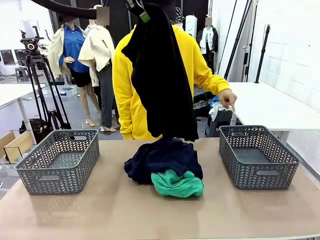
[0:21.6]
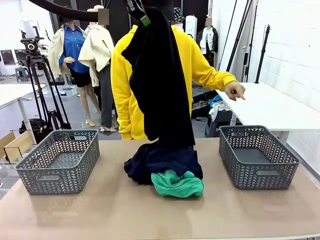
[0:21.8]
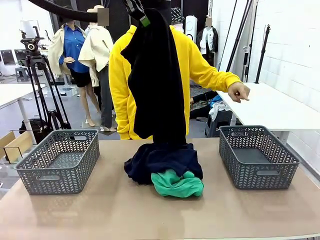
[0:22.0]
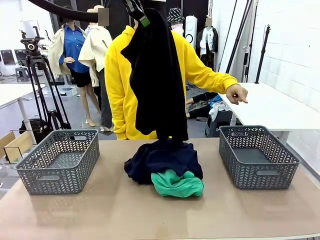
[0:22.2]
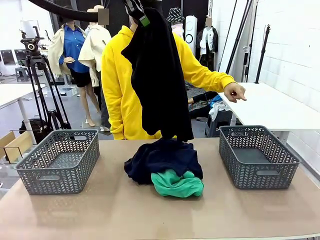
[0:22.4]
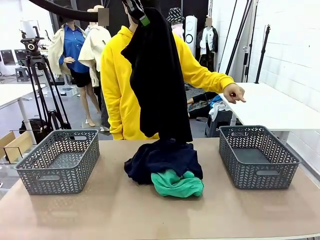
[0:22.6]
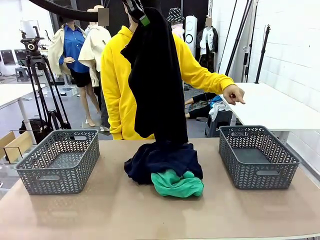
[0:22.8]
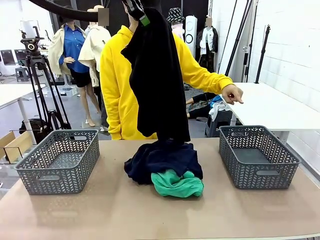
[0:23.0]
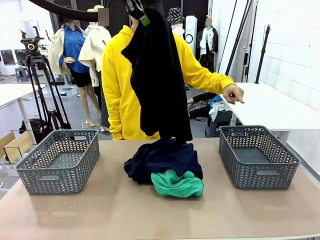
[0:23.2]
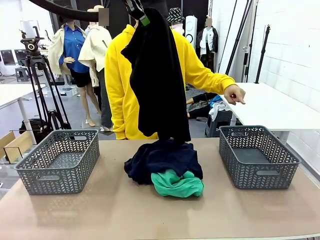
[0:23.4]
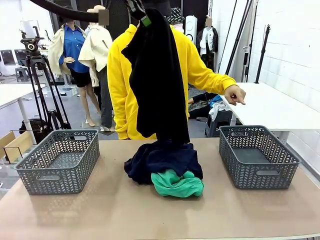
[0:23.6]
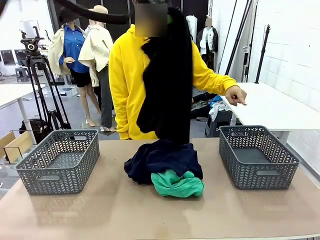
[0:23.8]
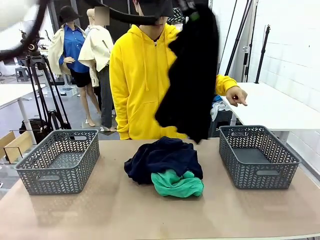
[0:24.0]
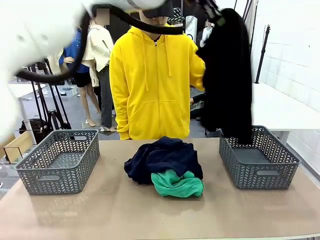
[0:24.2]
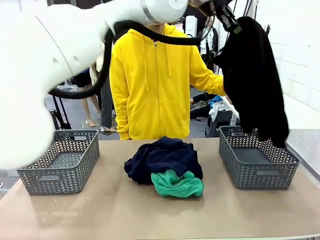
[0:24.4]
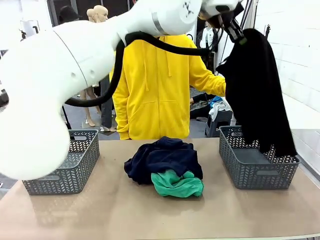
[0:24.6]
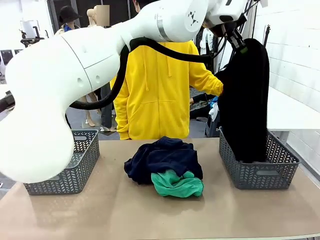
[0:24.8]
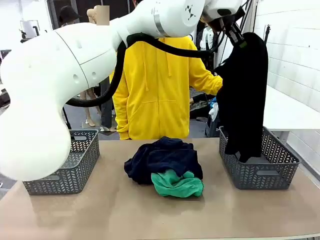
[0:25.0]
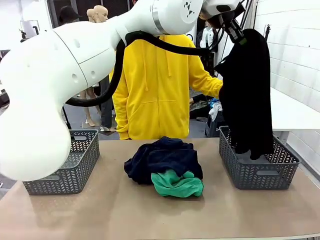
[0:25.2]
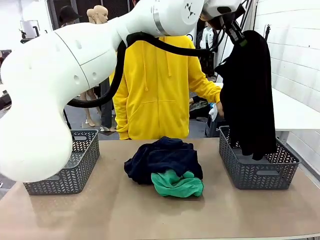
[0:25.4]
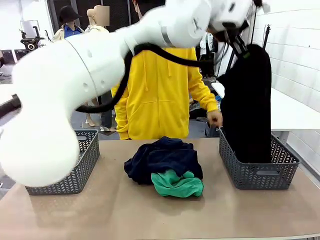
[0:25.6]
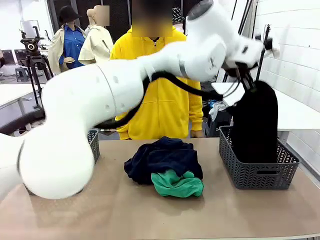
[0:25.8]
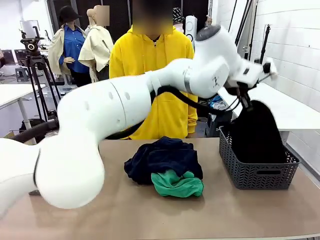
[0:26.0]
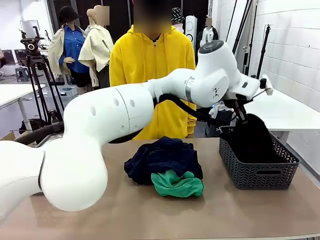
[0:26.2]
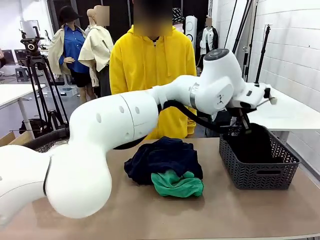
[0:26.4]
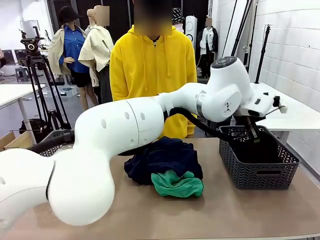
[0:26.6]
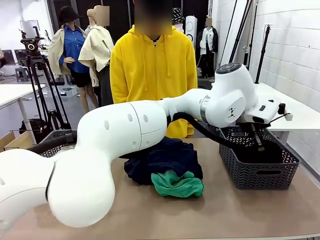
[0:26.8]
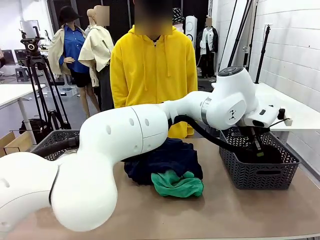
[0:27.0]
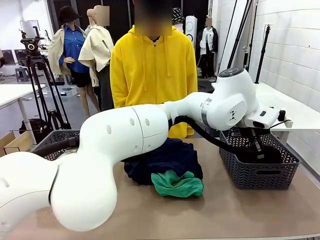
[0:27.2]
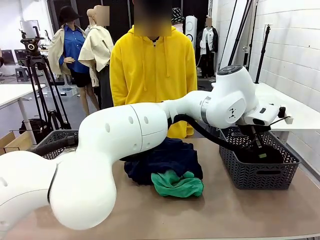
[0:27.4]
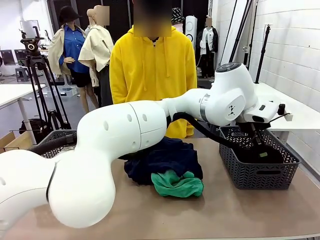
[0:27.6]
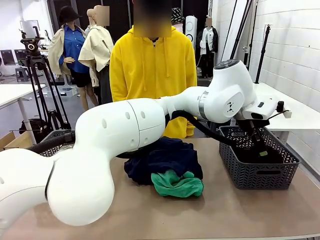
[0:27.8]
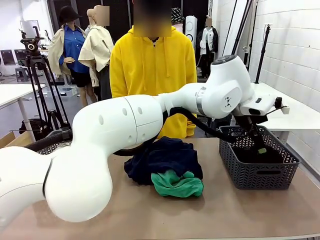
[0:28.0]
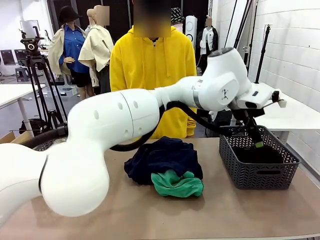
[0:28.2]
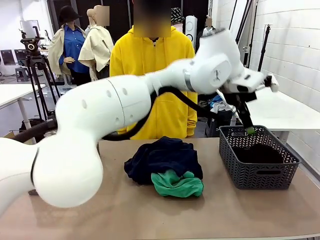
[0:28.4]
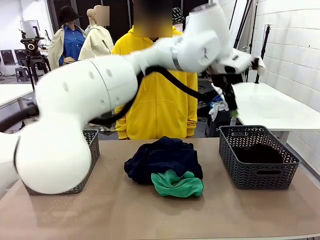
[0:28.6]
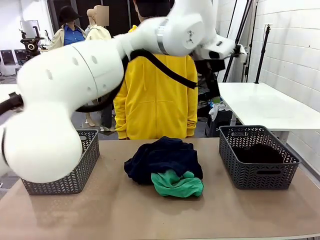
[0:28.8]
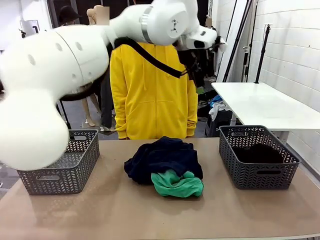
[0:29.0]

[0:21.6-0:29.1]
Task: Sort the tops and bottoms.
Robot: Sort the clothes according to human instructions.

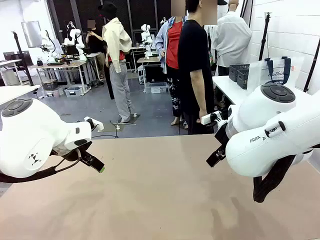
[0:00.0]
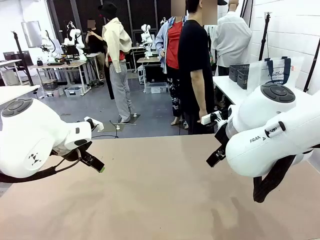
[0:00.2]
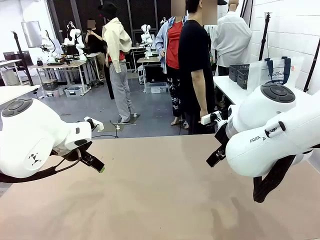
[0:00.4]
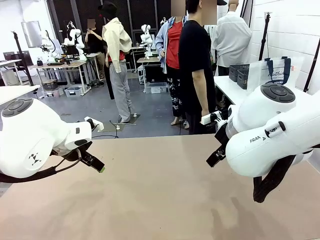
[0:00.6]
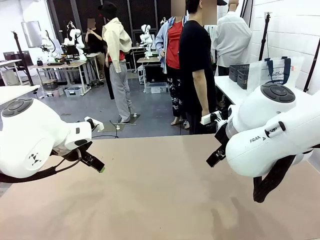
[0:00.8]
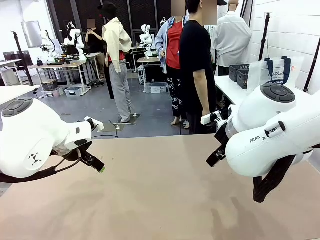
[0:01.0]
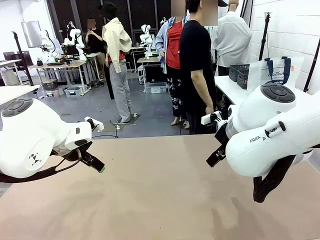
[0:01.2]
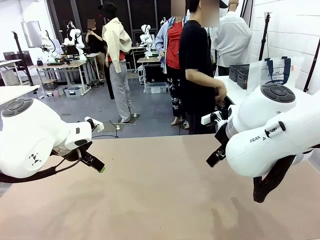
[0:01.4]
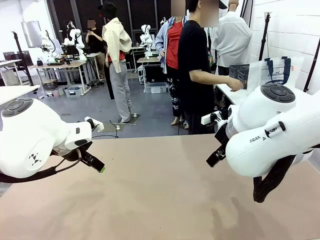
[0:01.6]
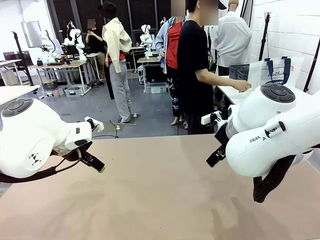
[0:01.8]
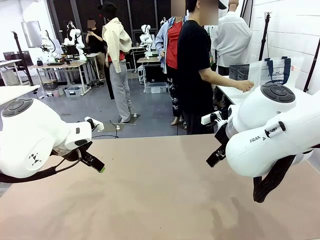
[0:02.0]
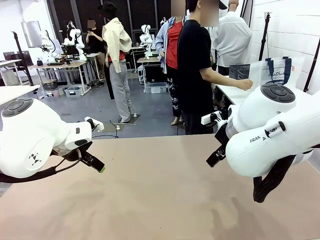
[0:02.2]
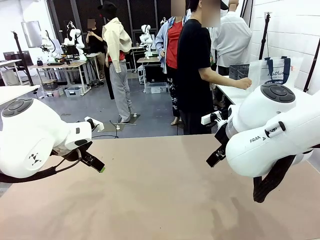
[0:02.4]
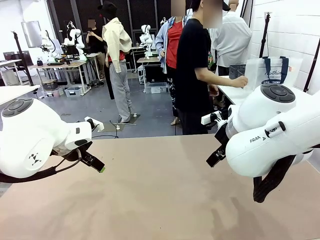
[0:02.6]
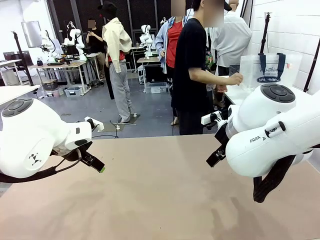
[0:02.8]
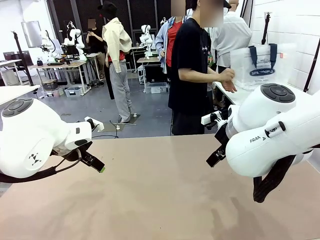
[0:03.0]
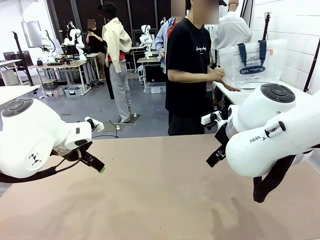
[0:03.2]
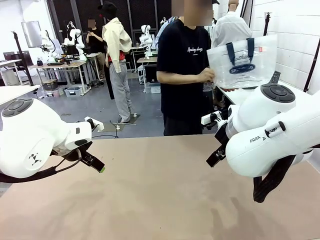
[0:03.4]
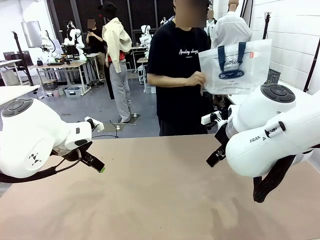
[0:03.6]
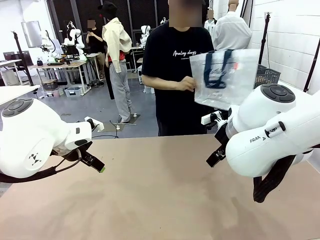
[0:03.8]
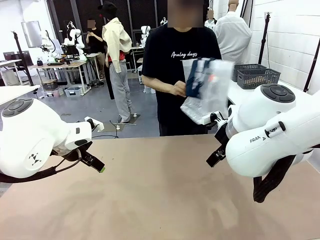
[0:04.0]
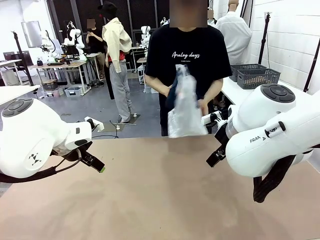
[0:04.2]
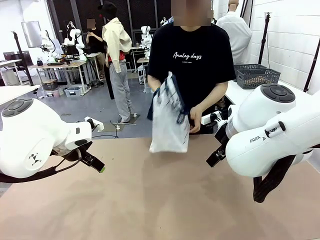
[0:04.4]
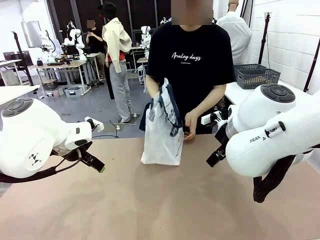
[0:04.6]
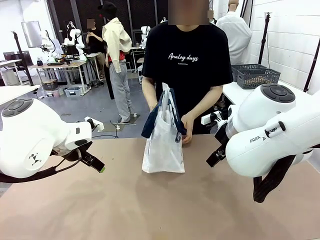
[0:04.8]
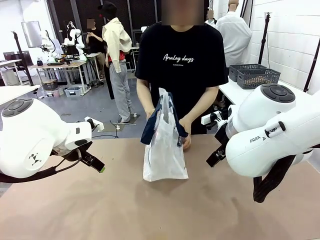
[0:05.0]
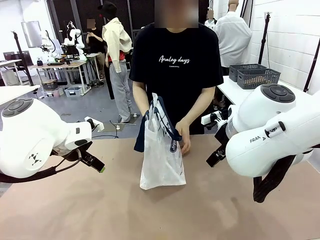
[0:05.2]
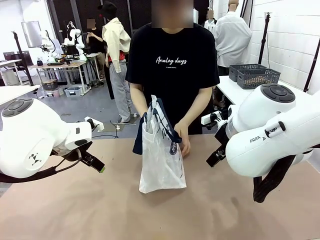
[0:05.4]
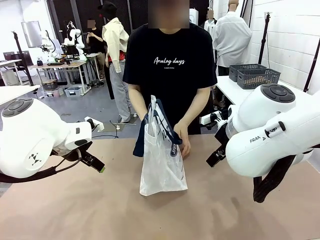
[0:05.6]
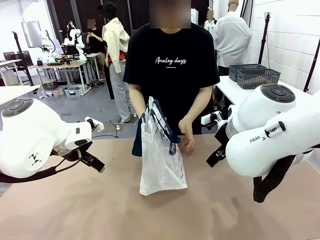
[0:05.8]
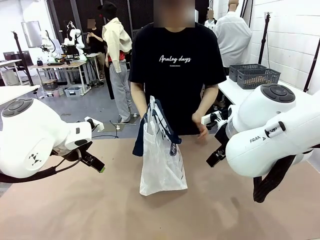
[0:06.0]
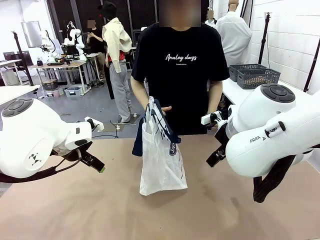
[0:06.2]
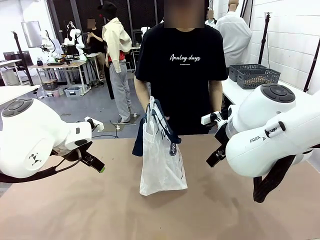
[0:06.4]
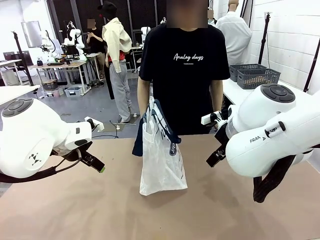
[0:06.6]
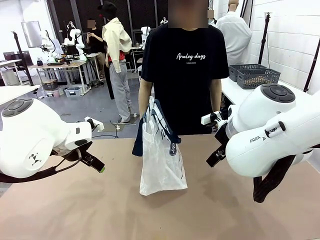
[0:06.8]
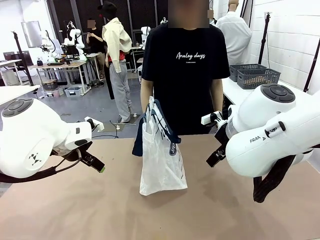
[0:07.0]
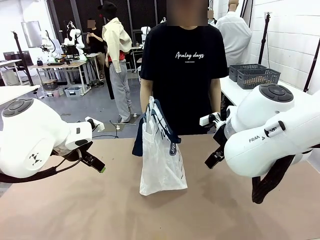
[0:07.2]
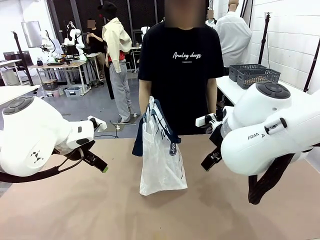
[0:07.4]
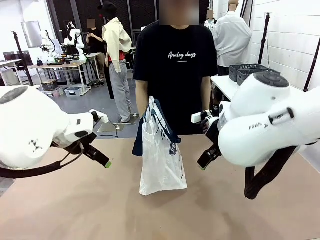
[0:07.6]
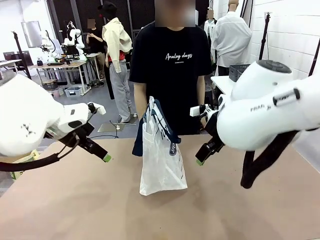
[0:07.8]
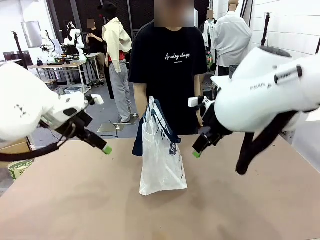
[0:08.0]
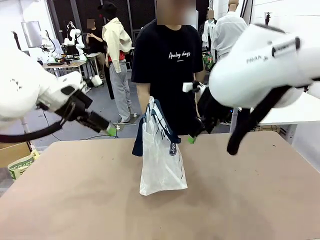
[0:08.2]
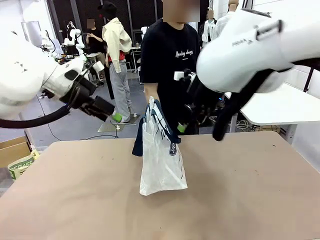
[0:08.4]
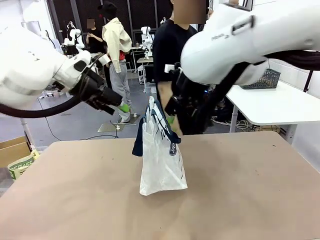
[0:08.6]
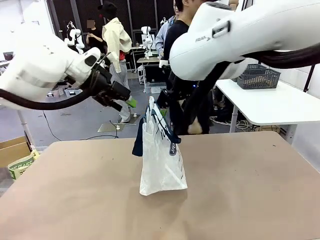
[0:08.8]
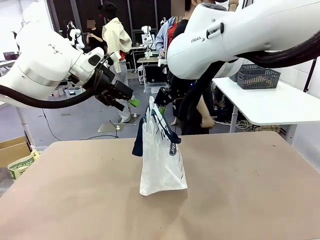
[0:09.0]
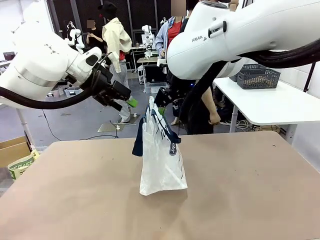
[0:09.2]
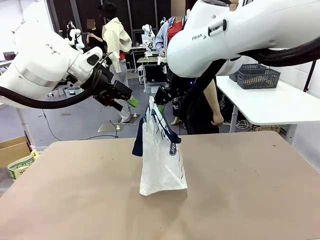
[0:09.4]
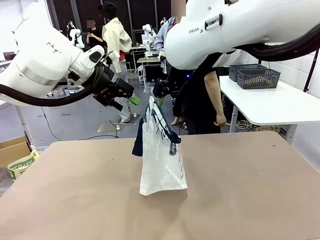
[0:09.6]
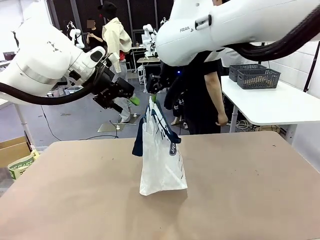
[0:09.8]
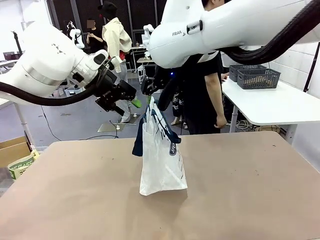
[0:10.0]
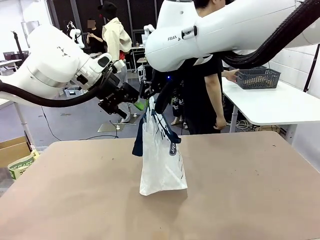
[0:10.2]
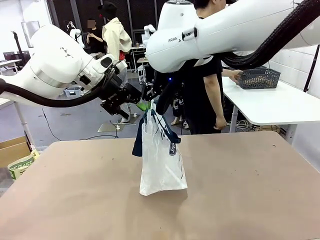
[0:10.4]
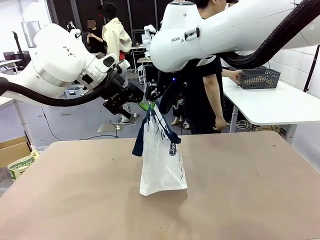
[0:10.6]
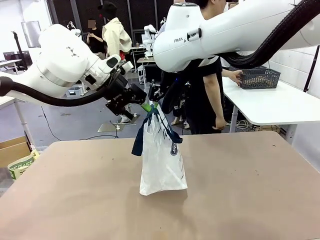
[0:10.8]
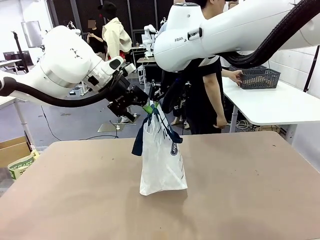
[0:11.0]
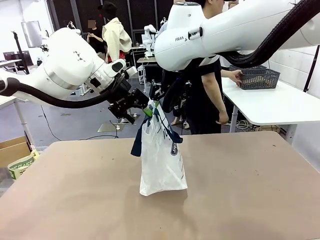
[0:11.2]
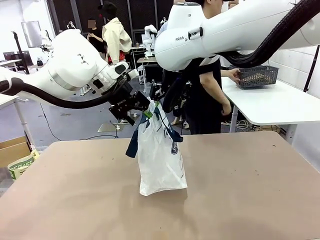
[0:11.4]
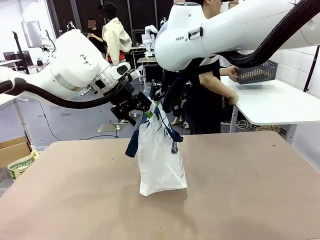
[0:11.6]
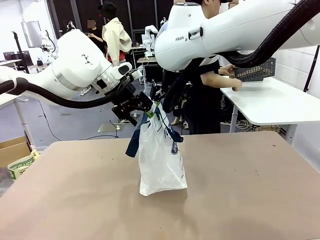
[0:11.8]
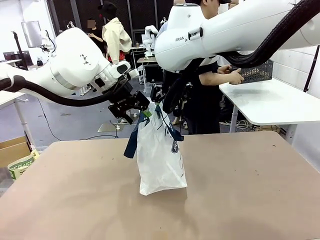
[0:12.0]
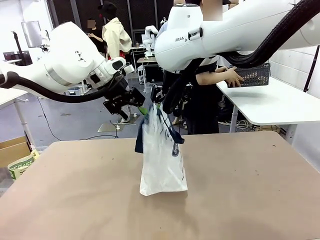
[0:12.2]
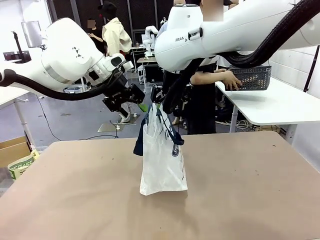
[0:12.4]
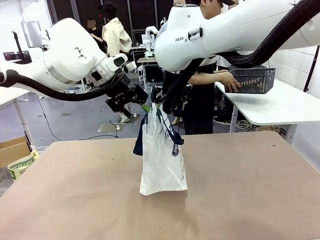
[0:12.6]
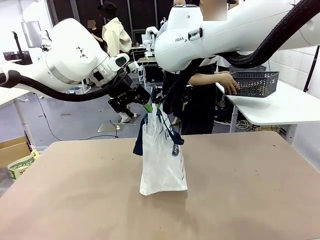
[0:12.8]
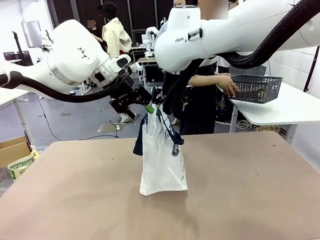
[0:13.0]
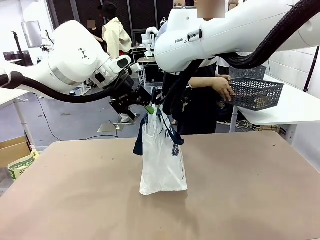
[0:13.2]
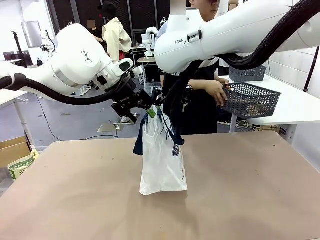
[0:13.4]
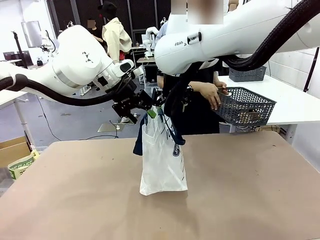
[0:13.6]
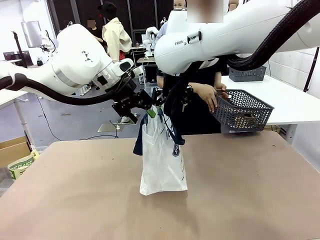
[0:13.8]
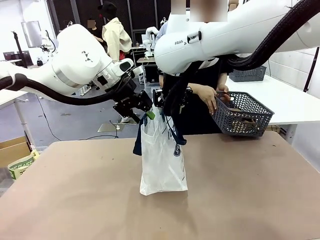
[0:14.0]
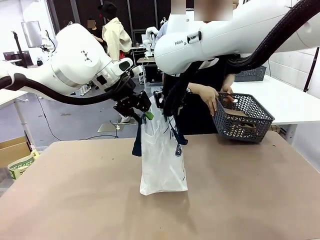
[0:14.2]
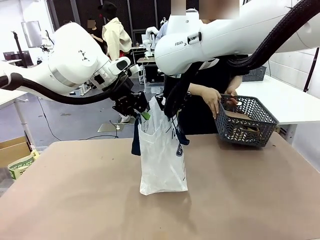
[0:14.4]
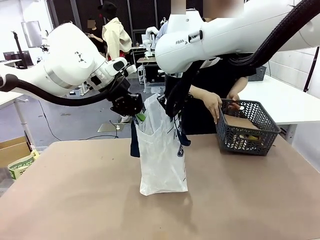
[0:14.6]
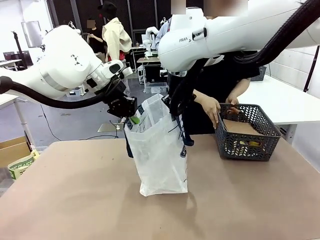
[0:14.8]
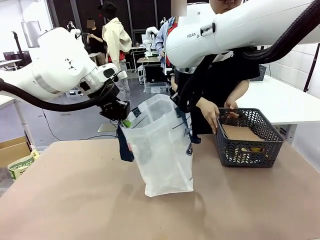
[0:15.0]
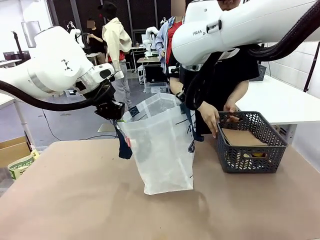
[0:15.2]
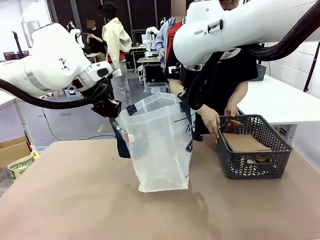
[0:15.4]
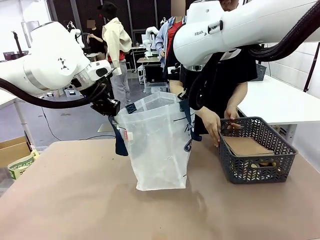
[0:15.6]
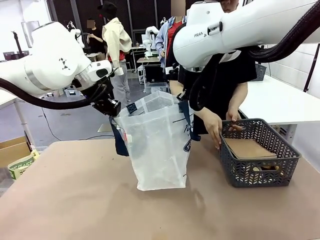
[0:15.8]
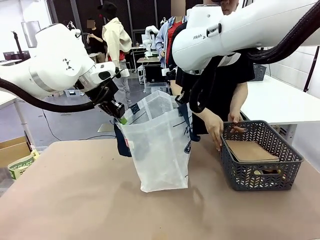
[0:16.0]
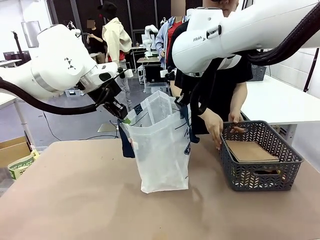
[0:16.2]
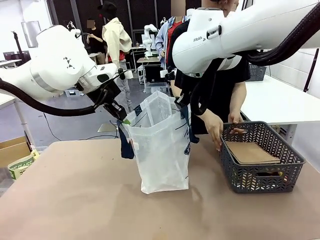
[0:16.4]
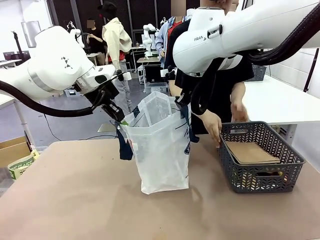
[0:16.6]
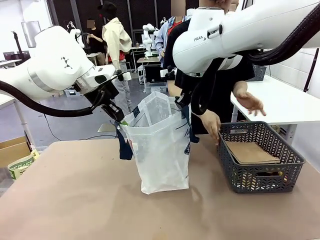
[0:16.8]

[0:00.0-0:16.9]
Task: Transfer purchased items from the store into the shopping bag.
Robot: Open the Reusable shopping bag in the center of the table.
Person: Pick up the shopping bag and place it in the middle of the robot table.
